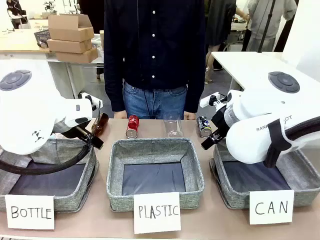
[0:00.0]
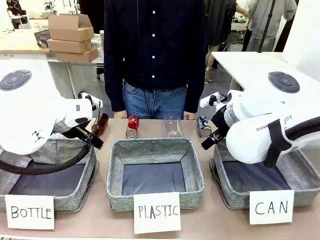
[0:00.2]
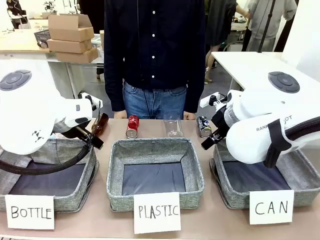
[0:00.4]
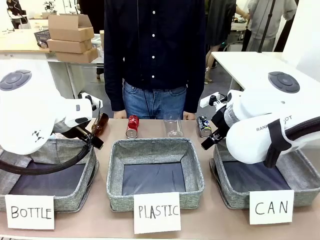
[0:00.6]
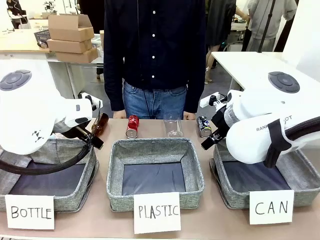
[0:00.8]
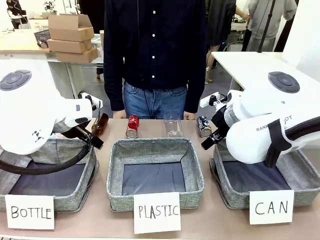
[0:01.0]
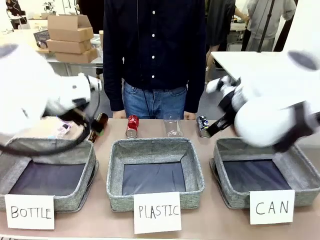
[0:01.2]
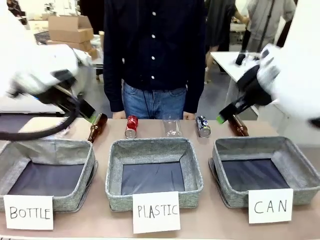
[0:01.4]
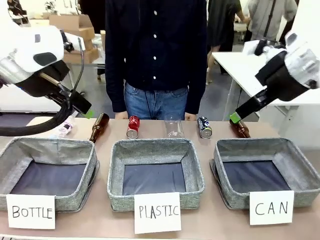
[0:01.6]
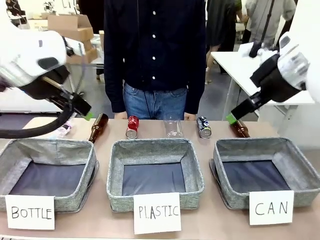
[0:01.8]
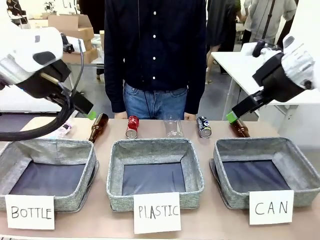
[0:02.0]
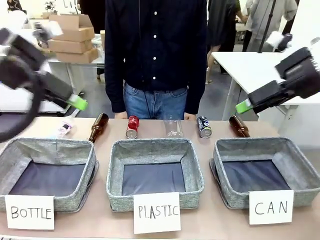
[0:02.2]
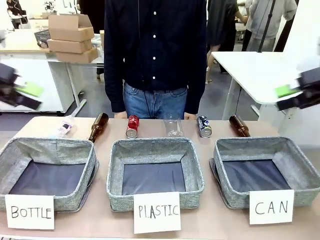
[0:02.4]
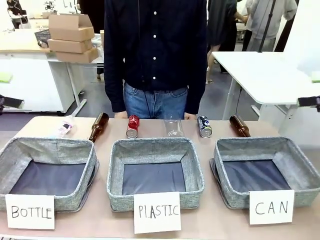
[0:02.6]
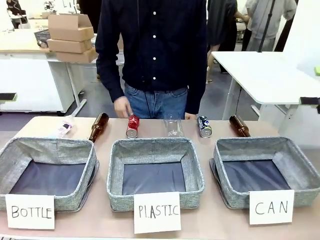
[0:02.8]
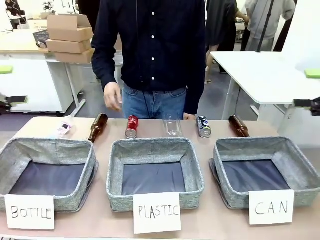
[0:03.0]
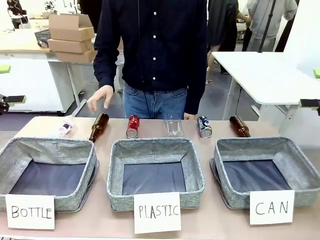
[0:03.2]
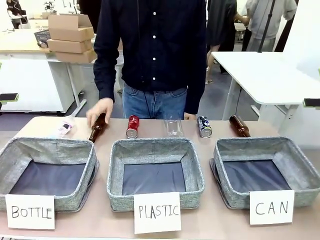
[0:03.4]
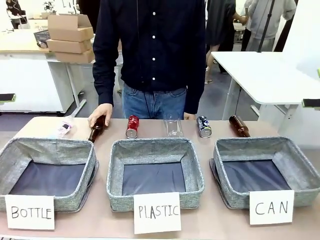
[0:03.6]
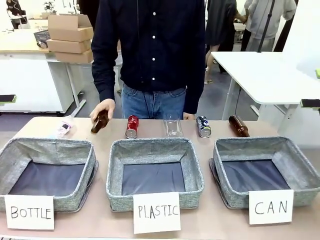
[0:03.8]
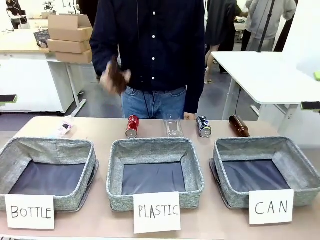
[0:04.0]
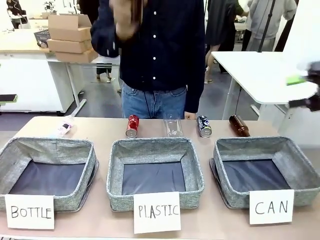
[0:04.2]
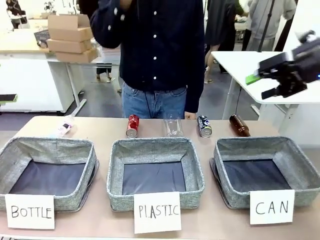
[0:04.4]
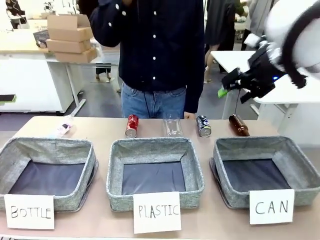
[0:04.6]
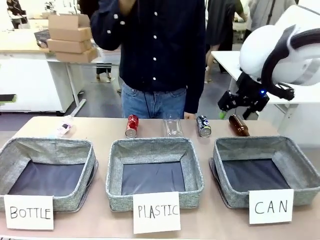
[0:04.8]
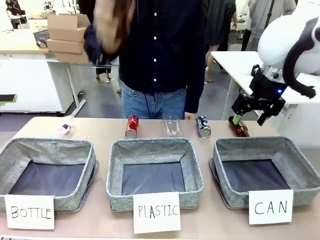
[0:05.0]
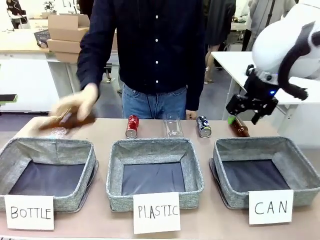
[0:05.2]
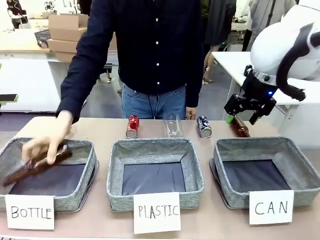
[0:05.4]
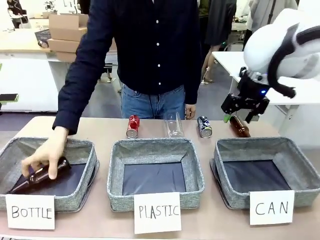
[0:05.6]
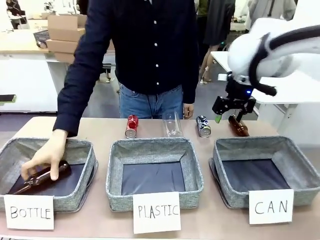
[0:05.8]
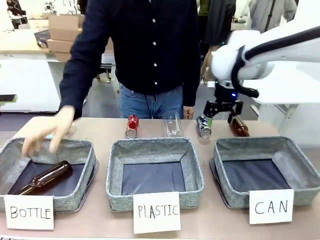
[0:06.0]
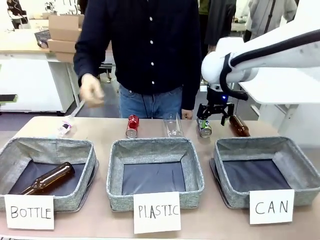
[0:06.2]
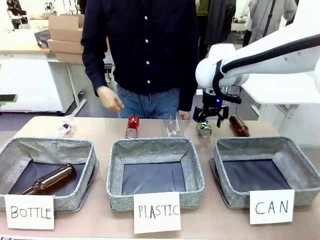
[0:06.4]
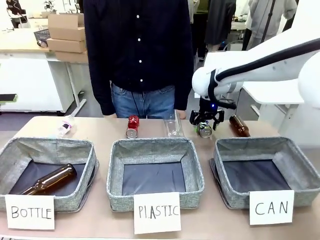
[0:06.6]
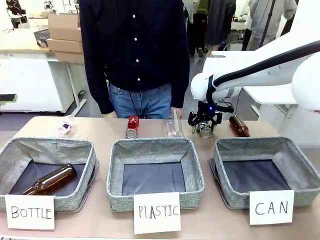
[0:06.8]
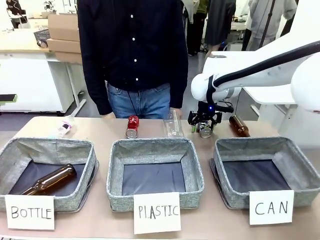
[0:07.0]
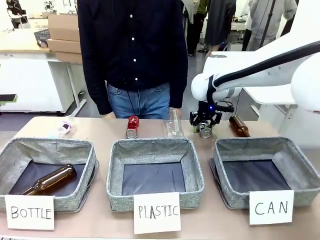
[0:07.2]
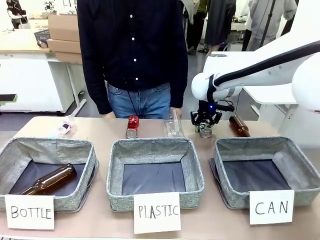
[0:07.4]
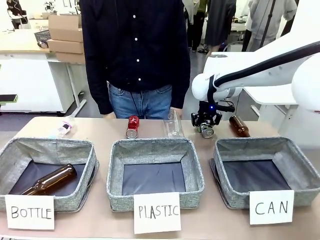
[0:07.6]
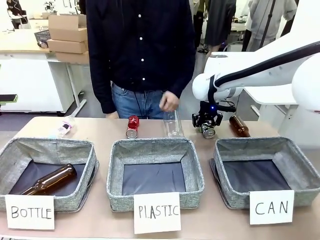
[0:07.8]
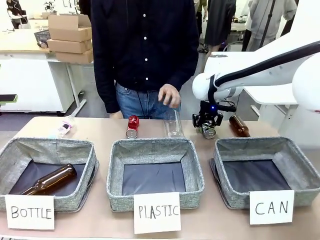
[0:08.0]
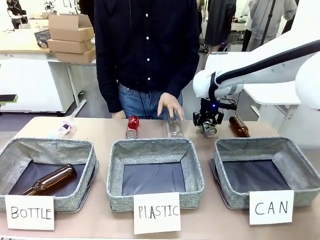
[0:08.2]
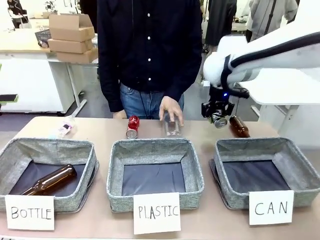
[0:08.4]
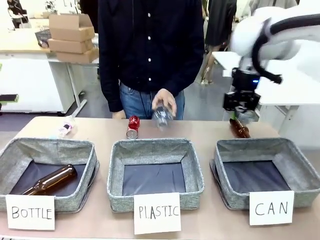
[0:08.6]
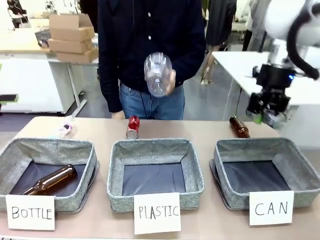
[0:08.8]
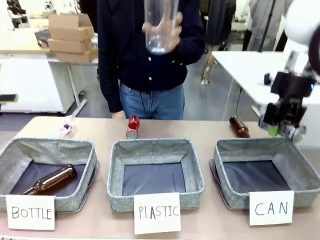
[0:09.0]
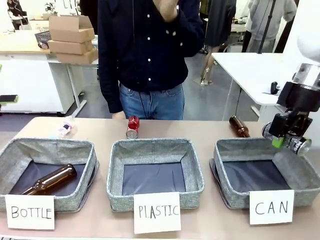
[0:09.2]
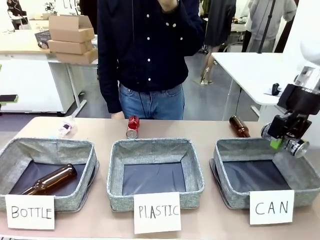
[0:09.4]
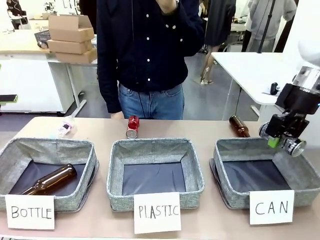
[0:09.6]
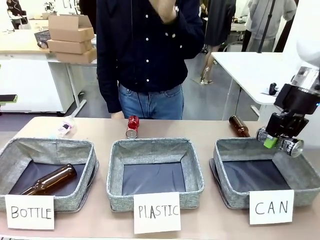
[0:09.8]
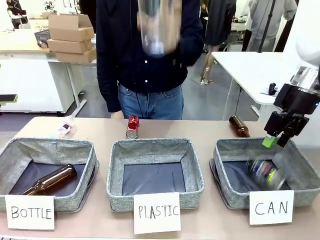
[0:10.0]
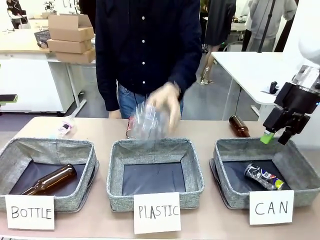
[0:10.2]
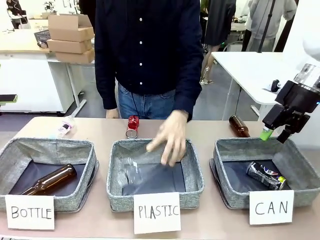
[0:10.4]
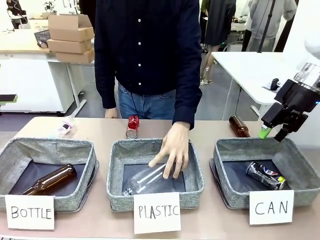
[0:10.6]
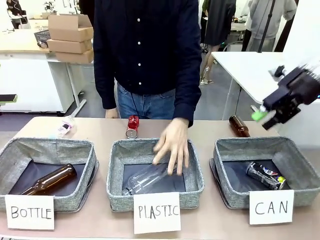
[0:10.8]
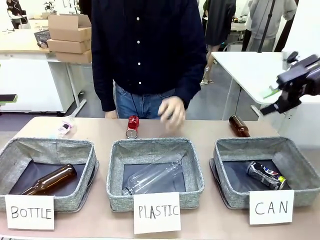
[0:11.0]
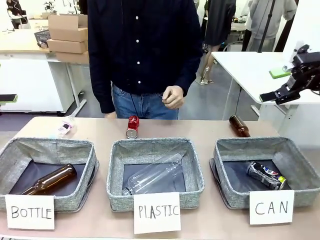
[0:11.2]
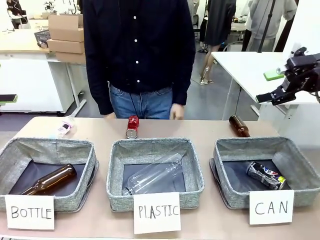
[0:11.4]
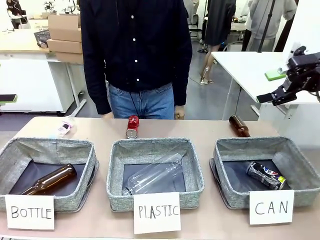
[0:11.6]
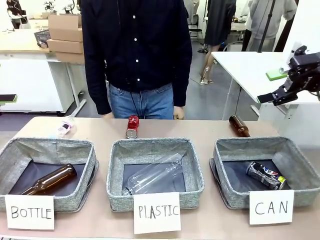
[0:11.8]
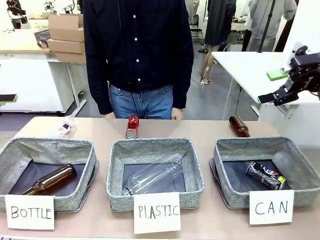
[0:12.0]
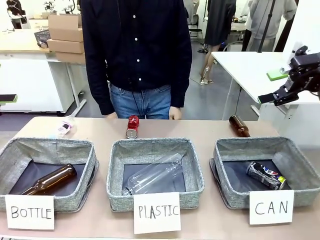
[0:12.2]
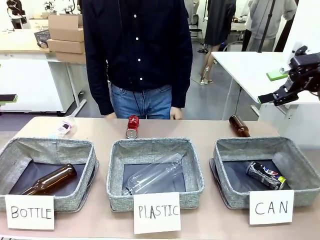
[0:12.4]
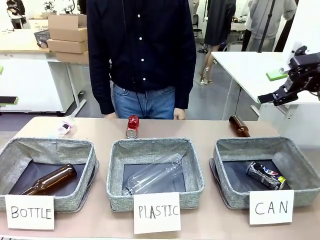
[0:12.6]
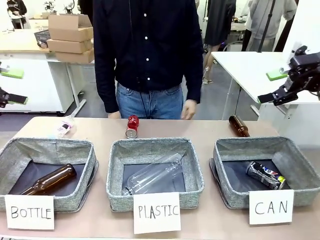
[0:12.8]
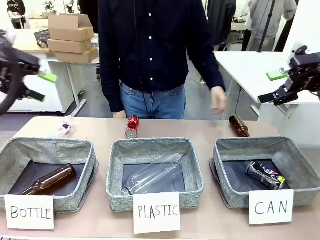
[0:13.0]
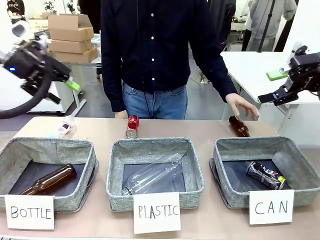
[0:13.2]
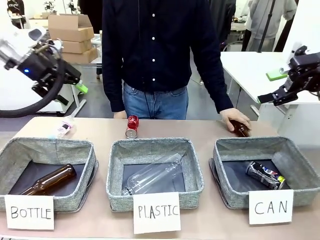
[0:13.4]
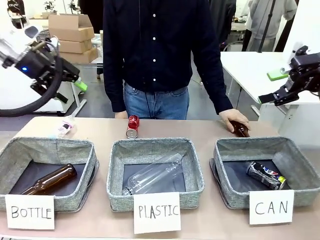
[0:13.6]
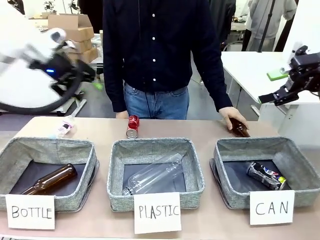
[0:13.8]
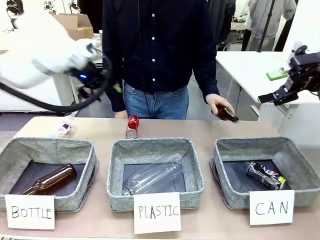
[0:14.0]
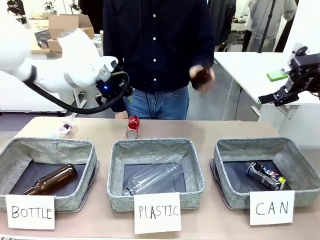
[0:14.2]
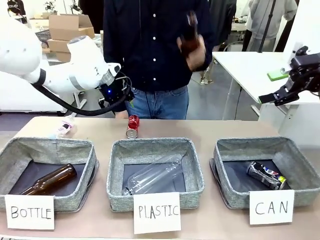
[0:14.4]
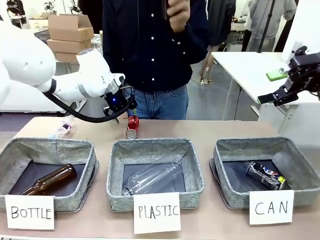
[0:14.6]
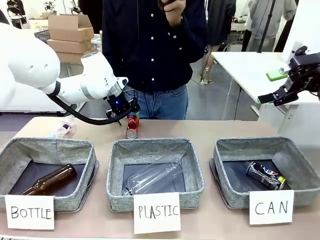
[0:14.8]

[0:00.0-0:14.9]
Task: Sort the can waste into the basket.
Robot: Pick up the can waste from the table and place it in the right Fabric basket.

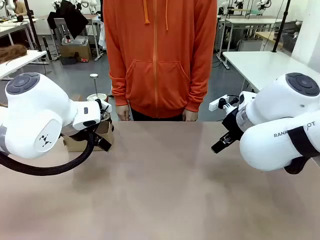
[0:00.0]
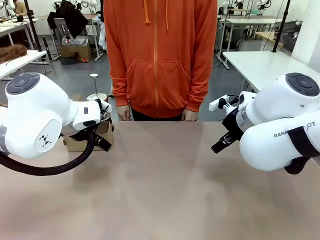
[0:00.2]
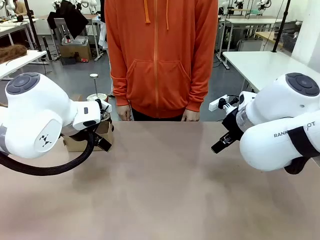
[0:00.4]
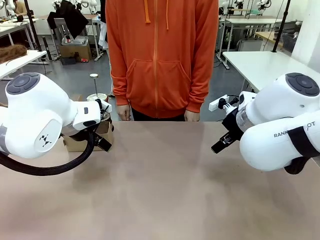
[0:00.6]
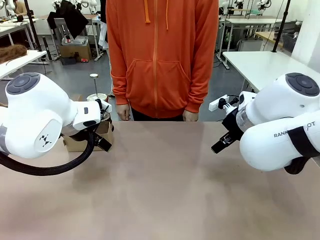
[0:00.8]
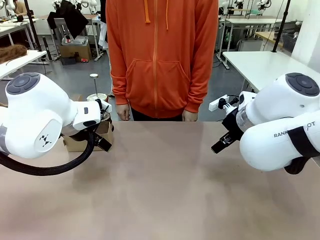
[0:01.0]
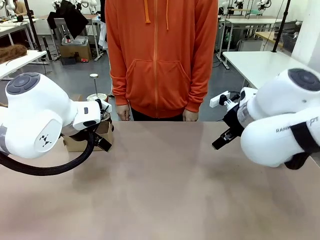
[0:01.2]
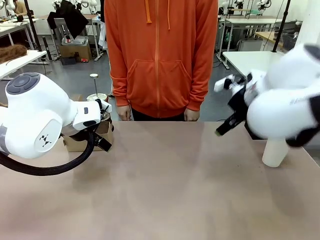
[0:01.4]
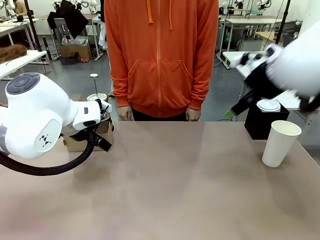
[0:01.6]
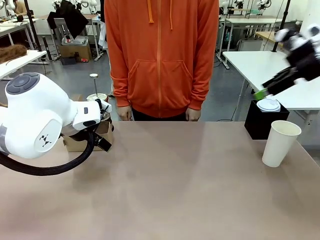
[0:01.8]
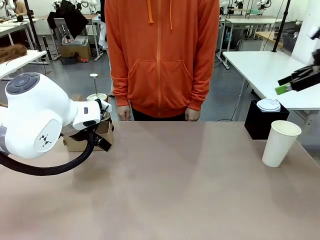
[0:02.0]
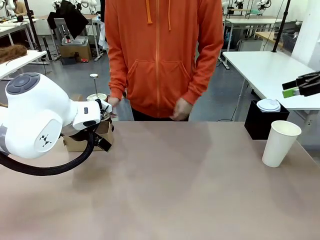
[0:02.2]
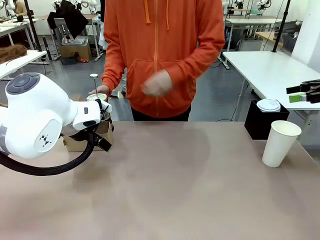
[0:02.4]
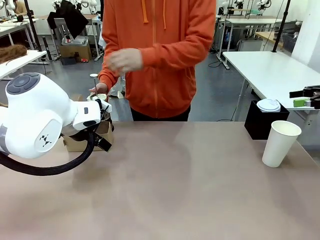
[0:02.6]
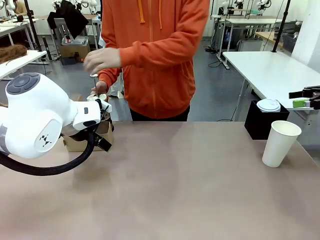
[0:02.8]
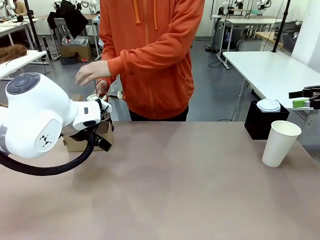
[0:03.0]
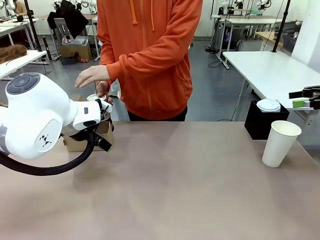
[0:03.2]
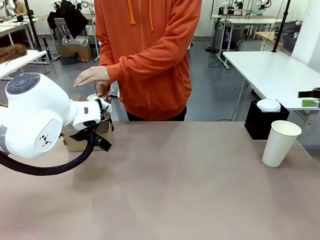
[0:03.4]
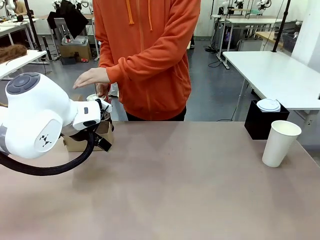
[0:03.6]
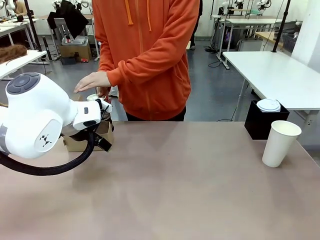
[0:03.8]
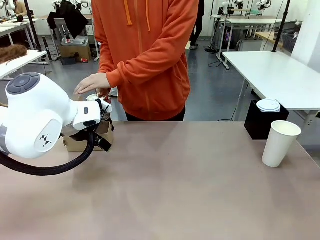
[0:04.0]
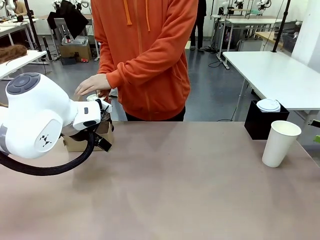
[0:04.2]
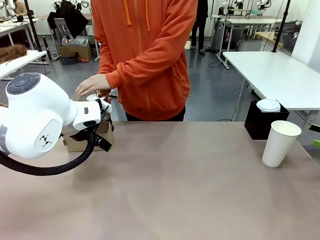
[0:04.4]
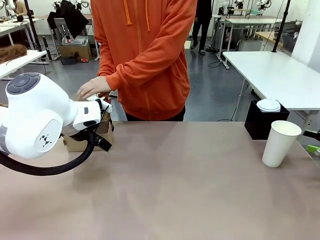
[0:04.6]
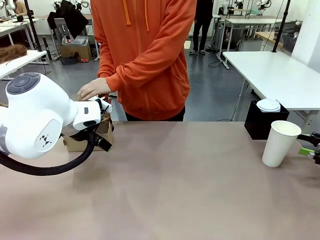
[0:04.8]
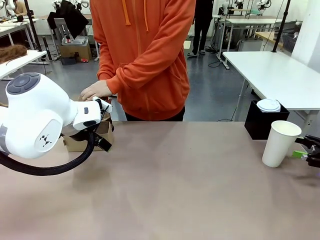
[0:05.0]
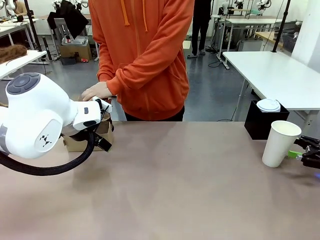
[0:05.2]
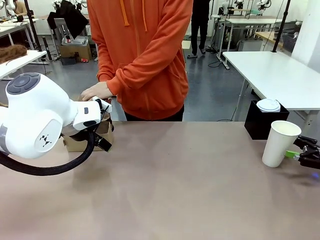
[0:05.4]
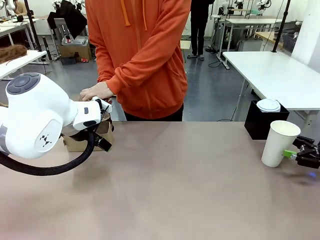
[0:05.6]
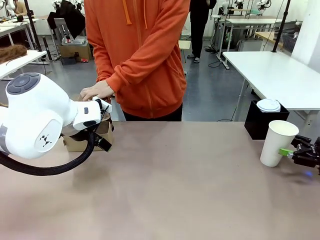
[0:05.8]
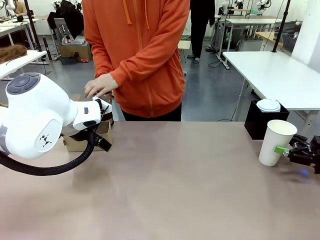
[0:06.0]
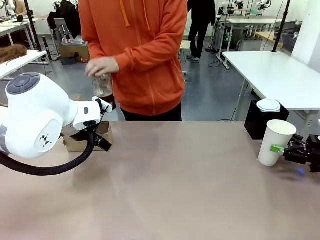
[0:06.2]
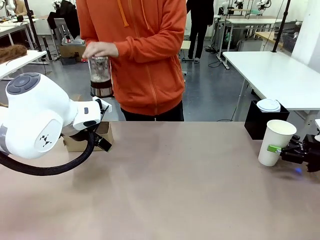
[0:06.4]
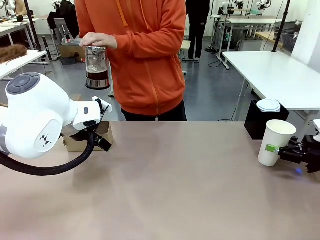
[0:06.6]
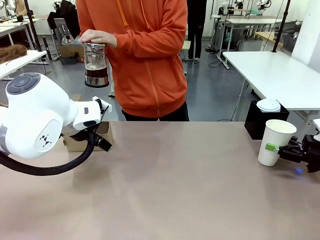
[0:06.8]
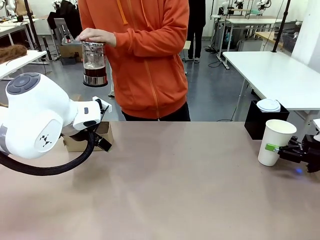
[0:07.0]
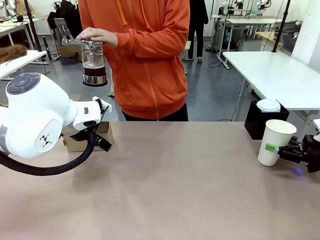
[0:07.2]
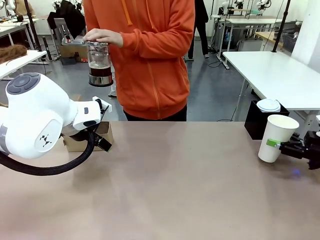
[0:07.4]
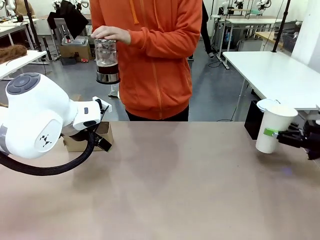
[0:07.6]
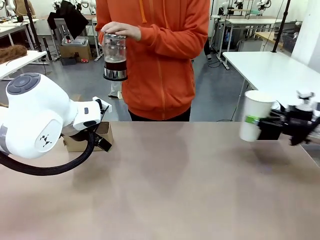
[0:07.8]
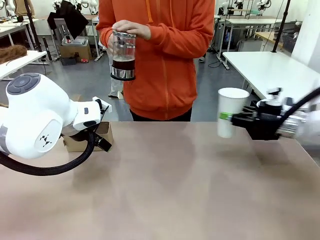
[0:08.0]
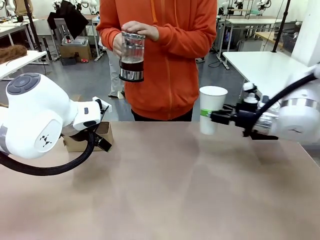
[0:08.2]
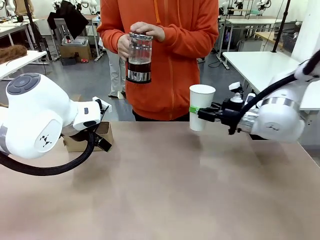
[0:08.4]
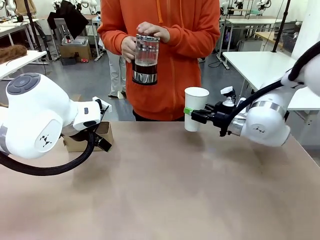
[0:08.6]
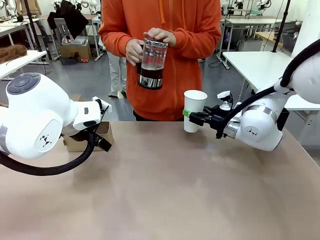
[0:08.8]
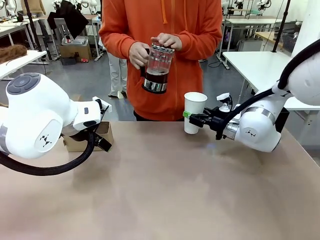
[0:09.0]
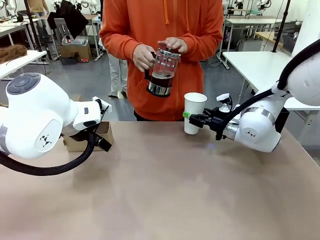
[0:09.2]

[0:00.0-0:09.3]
Task: Pour a drink into a cup and package it in a carrier.
Robot: Pick up the 600 ml Paper Cup and place it in the middle top area of the table.
Person: Press and pick up the Filter Brewing.
